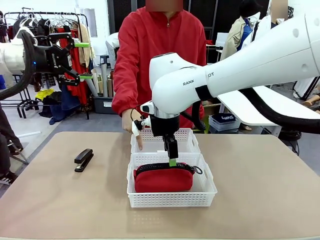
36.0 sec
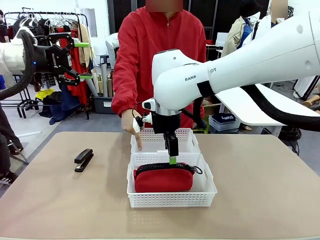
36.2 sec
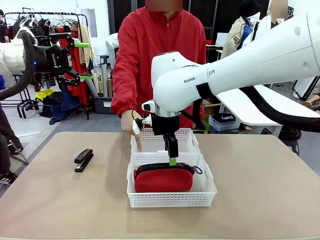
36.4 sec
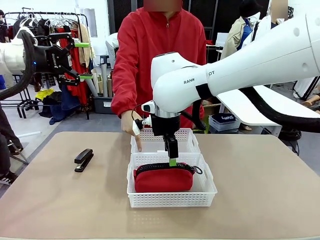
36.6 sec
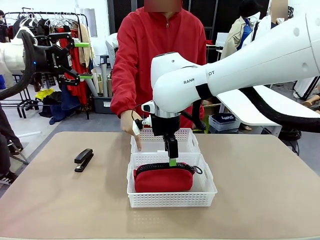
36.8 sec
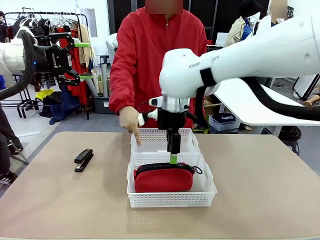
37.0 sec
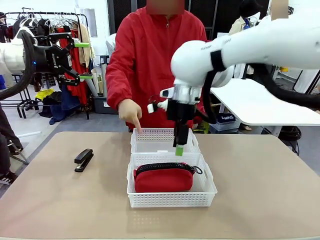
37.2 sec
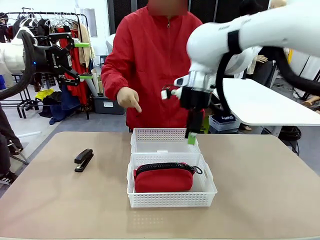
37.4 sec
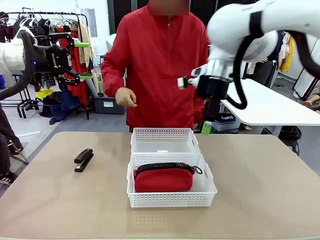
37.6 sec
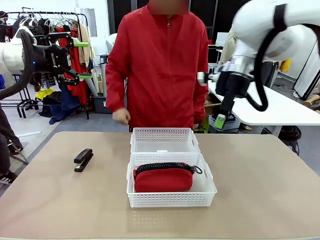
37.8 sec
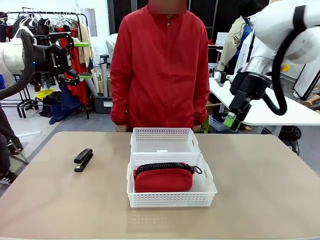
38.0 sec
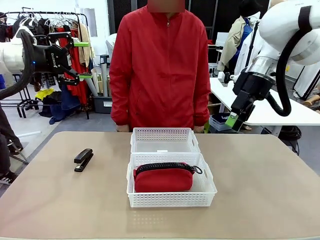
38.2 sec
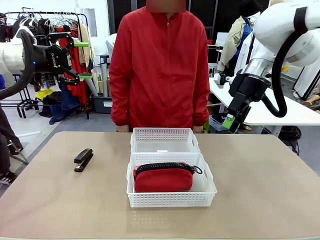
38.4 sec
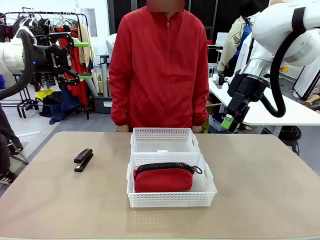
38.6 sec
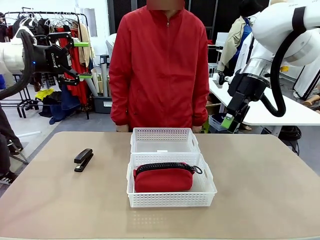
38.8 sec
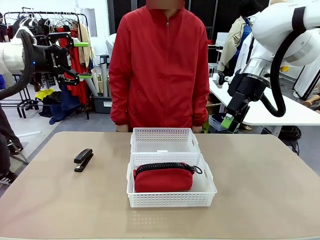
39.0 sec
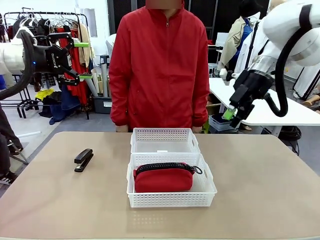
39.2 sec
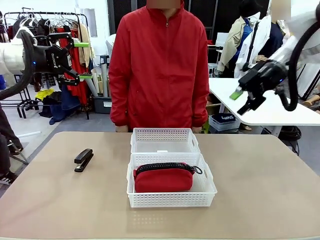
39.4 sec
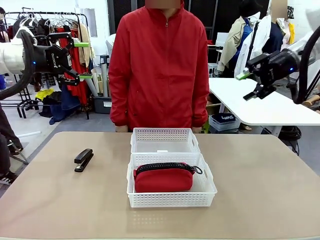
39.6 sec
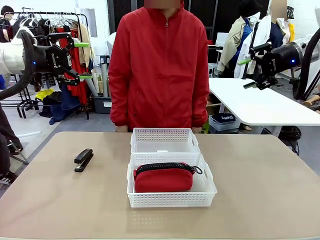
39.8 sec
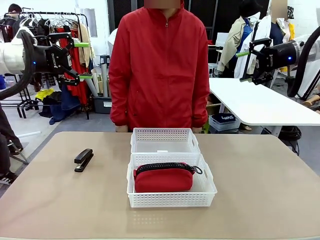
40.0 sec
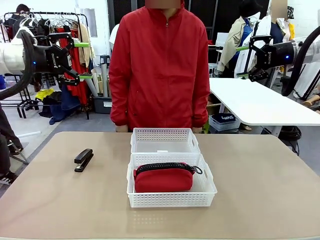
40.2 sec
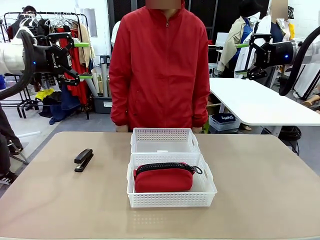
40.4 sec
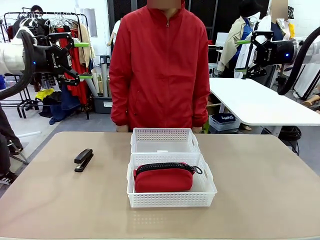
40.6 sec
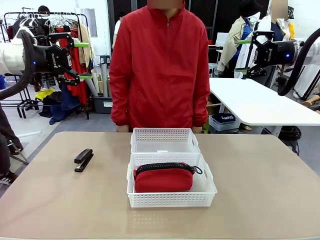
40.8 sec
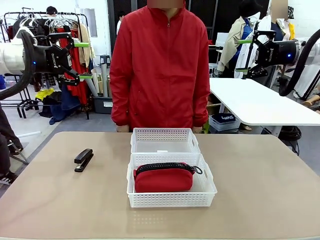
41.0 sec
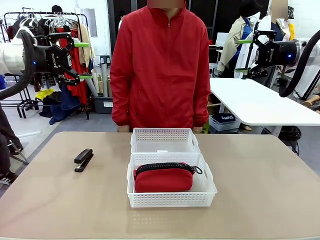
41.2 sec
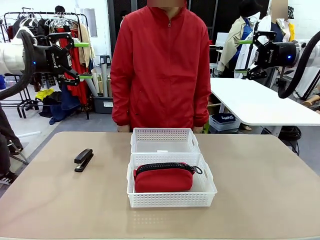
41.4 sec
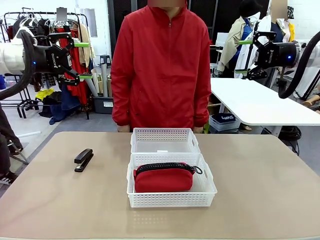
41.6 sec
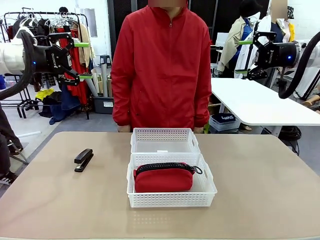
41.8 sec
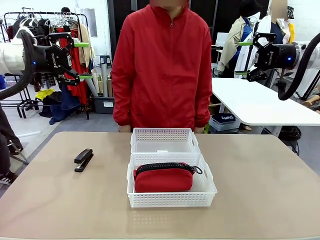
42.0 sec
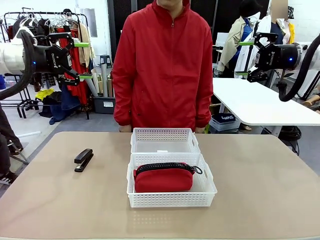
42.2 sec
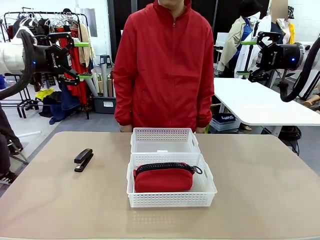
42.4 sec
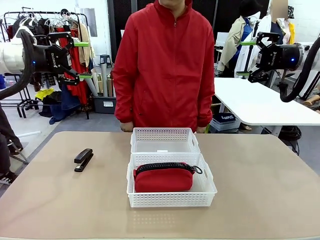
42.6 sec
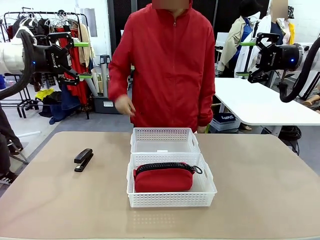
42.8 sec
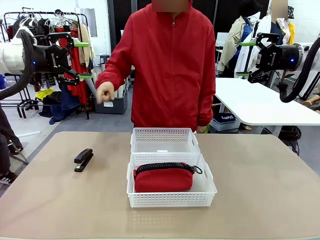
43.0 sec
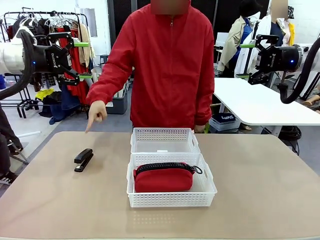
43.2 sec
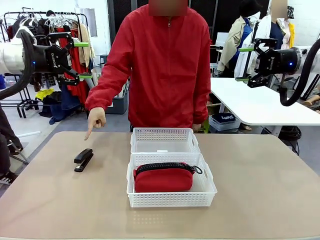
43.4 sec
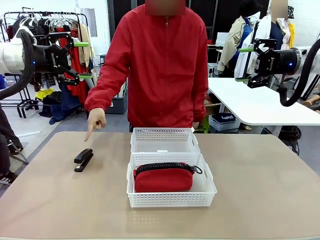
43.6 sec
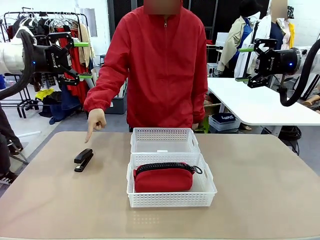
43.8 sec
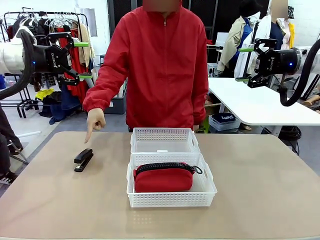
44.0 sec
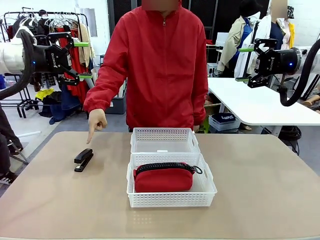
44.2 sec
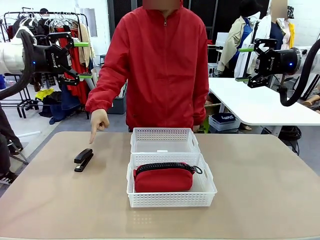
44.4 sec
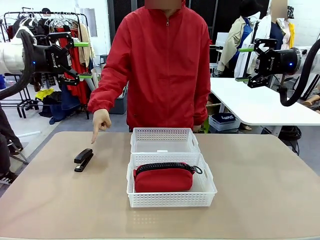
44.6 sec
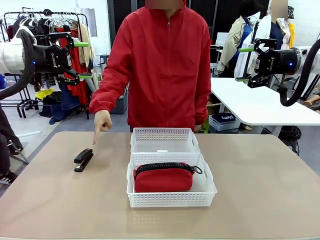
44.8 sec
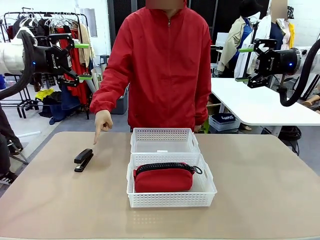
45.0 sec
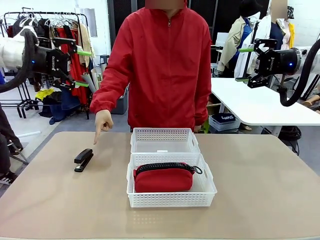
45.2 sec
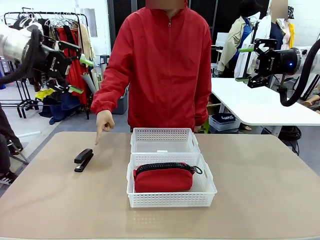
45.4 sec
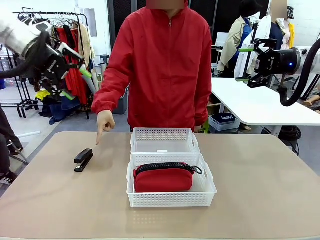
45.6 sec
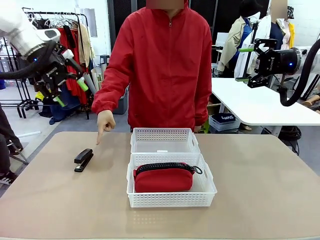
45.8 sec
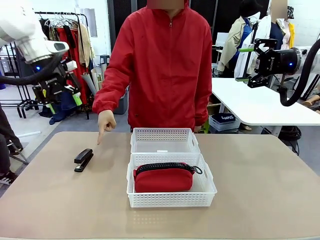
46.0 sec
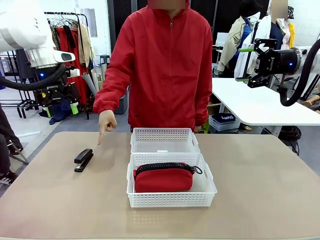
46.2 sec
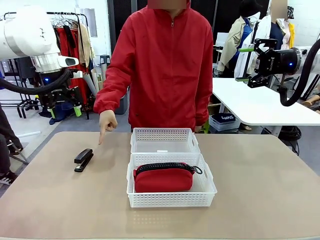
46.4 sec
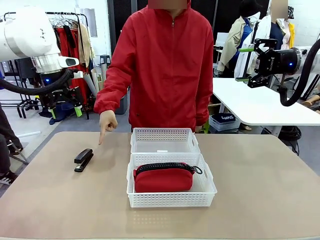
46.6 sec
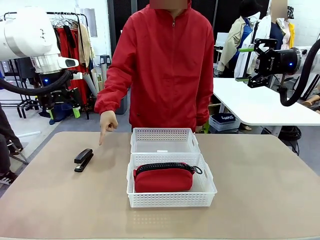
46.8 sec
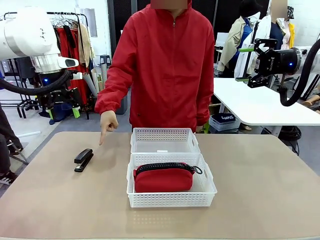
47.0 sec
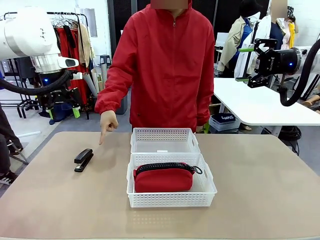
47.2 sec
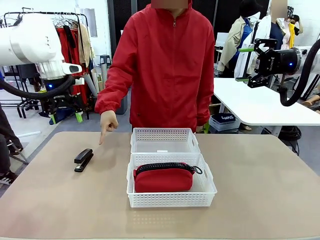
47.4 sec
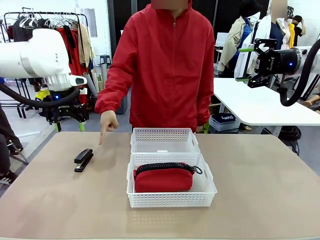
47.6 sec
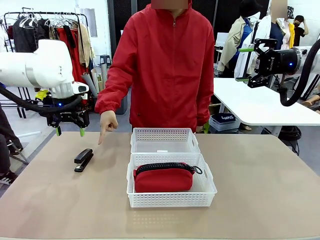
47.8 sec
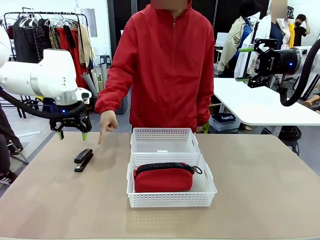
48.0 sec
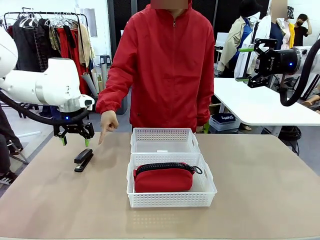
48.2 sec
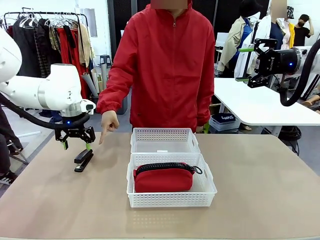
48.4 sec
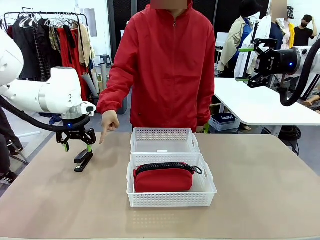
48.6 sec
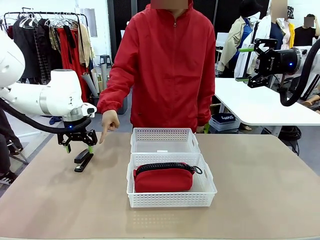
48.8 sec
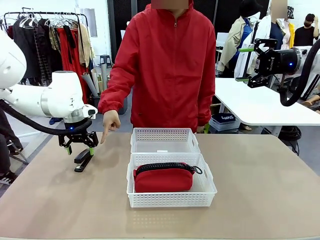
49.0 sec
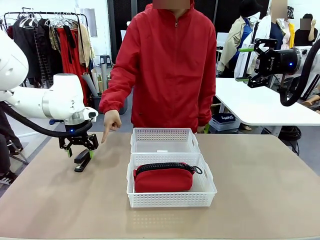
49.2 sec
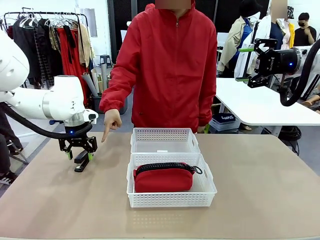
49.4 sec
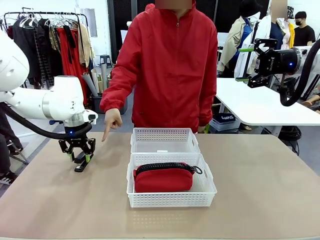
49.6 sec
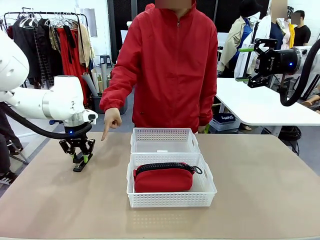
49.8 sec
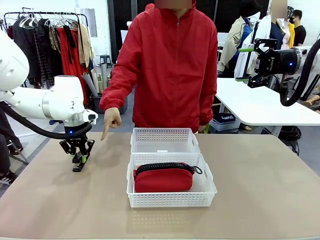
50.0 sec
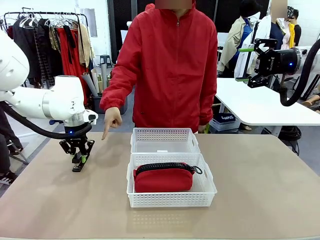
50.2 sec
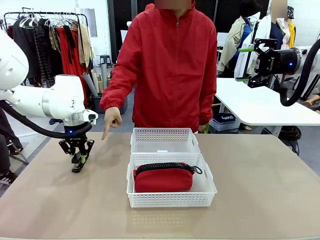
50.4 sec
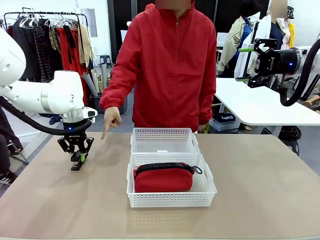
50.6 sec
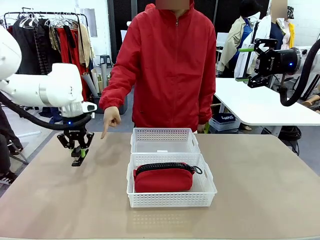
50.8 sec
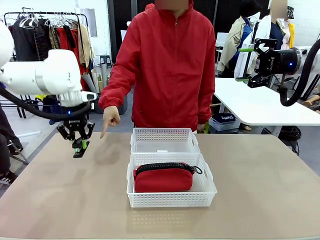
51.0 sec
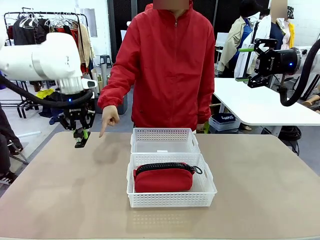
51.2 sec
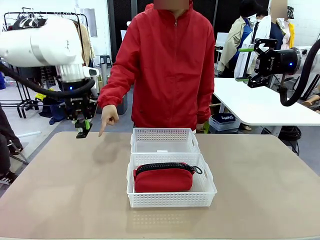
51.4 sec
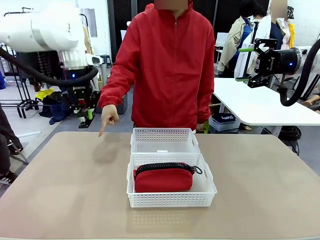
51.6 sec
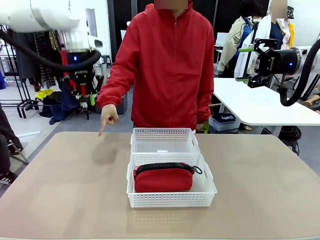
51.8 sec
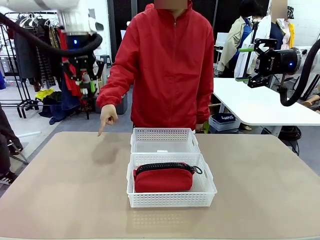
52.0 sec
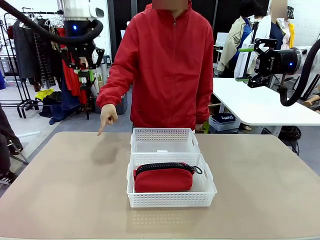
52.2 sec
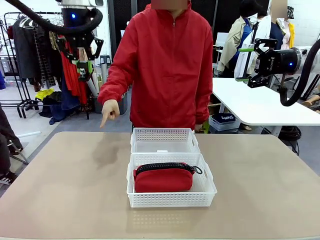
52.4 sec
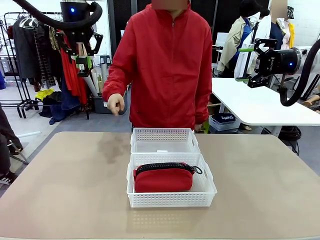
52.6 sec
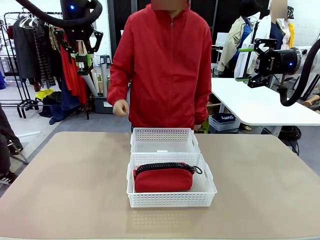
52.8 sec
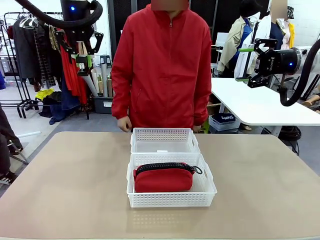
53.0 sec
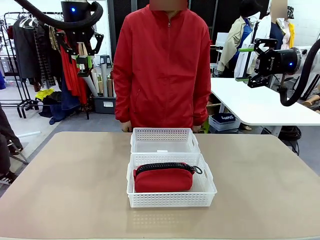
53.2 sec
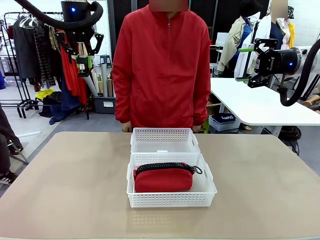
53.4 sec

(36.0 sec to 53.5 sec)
Task: Distribute items into two baskets.
Robot: Pick up the Stapler that the person points to.
Person: Points to the stapler.
